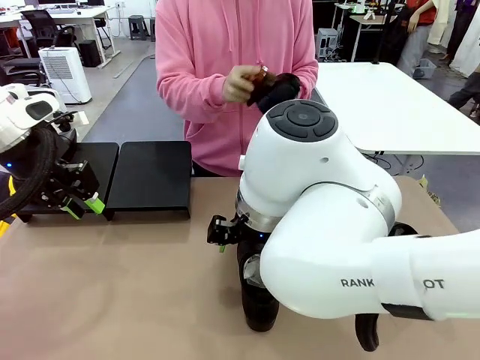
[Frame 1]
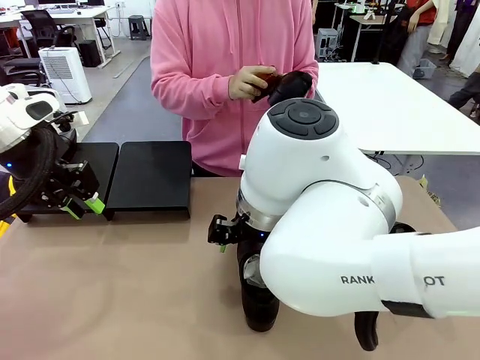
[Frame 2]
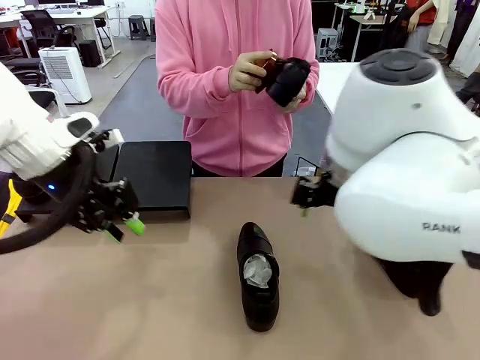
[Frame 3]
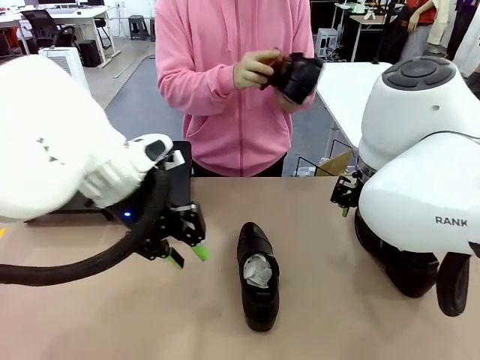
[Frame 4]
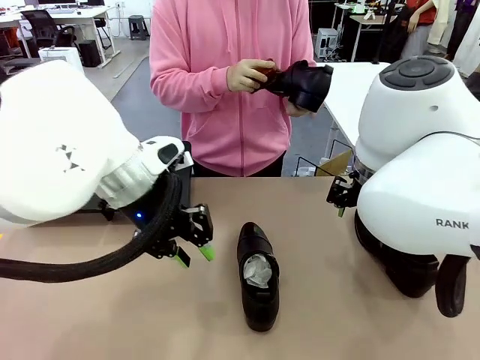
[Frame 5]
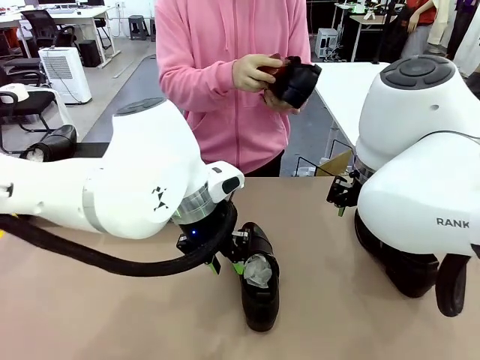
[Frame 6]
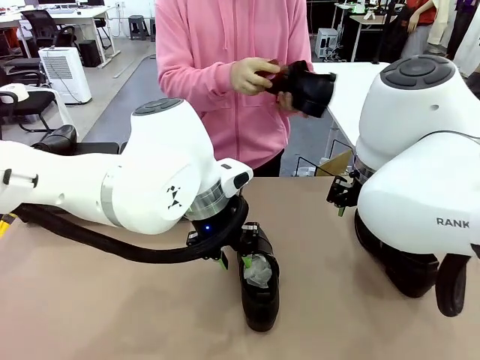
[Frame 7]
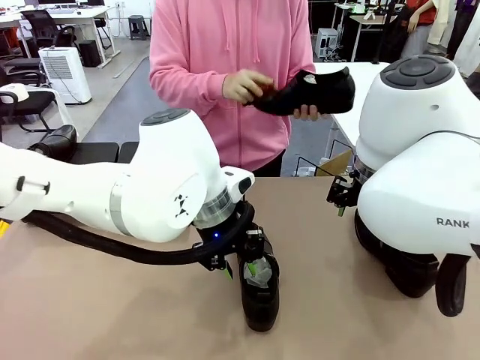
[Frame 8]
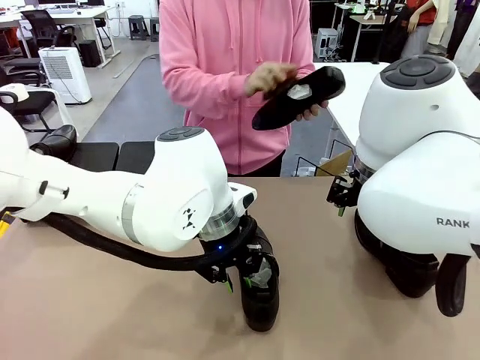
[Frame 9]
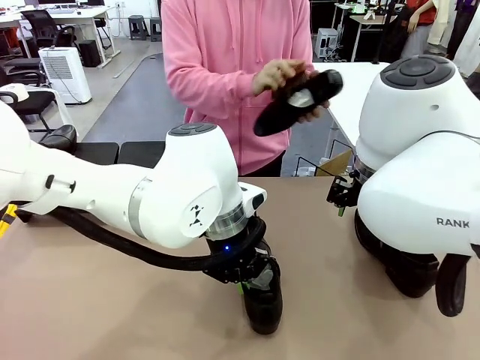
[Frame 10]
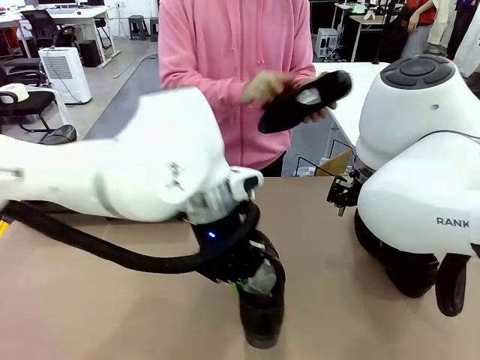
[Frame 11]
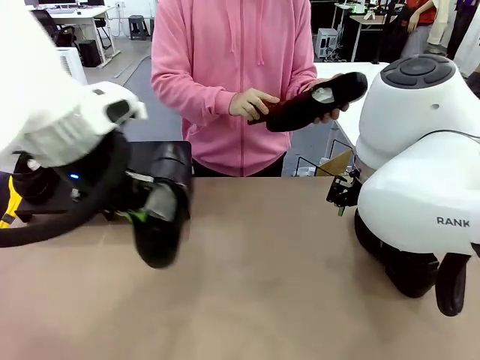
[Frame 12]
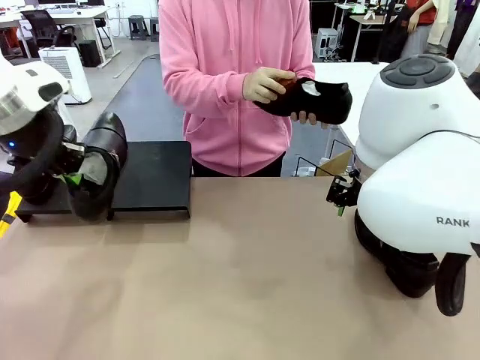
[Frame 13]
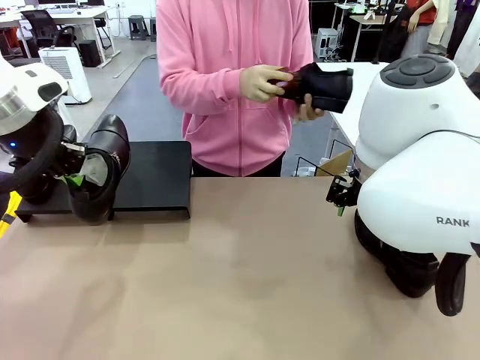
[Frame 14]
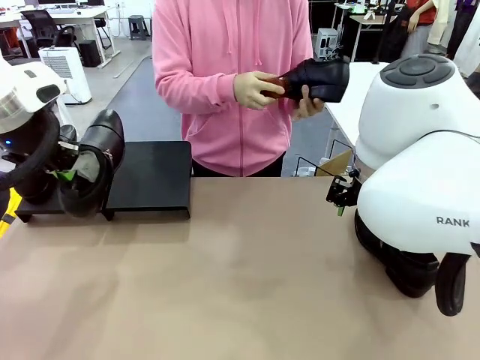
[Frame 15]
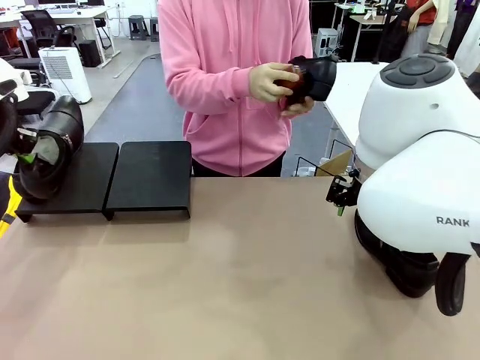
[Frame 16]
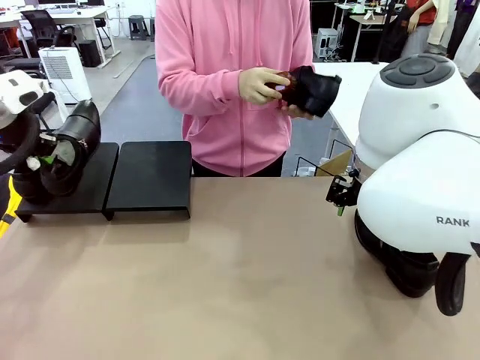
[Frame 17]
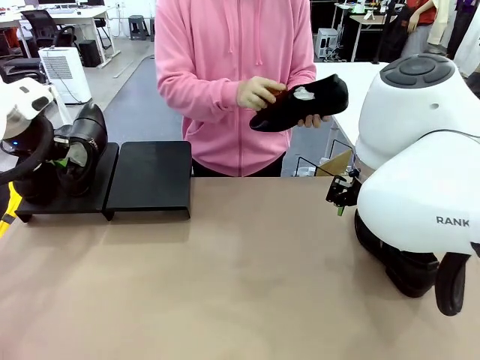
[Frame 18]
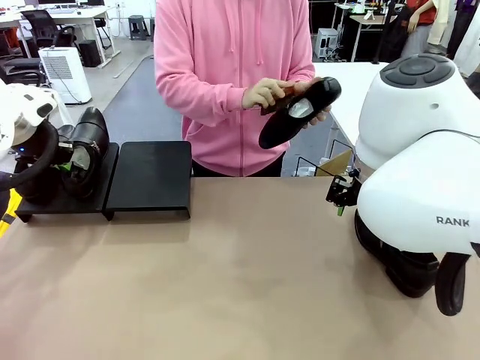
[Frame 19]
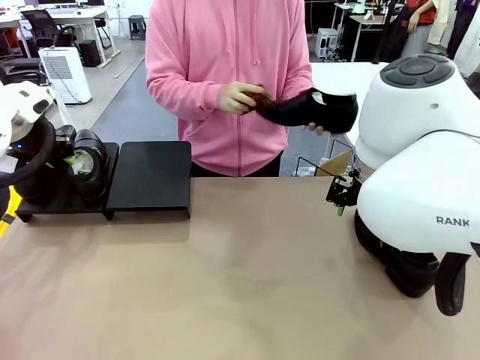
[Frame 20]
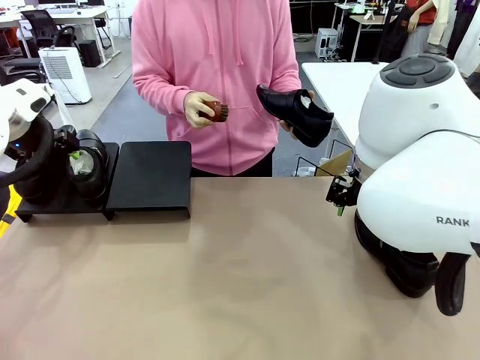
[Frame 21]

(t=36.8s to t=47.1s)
Task: Organize the shoes by placing them on the stand.
Robot: Place the Shoe from the middle of the table onto the Shoes Stand.
Person: Clean the Shoe with the Shoe Brush.

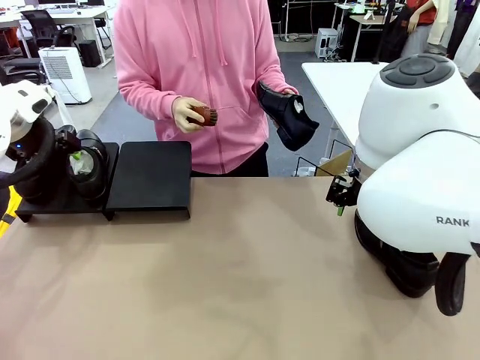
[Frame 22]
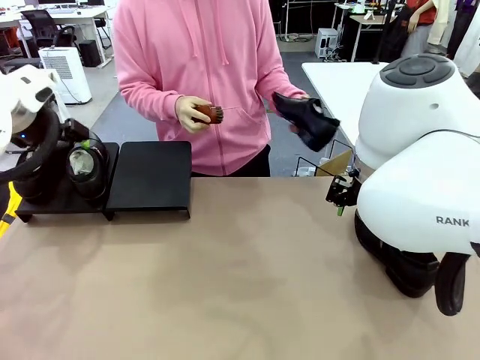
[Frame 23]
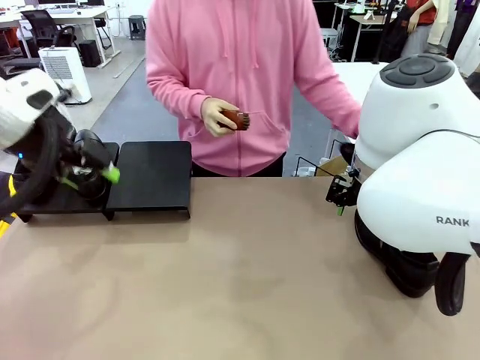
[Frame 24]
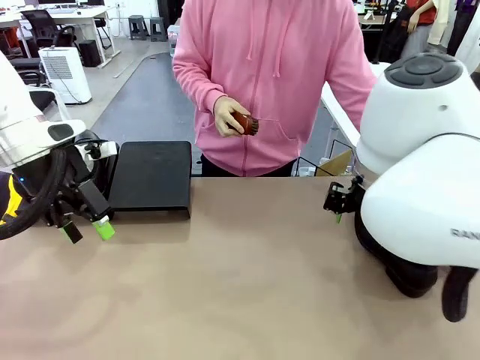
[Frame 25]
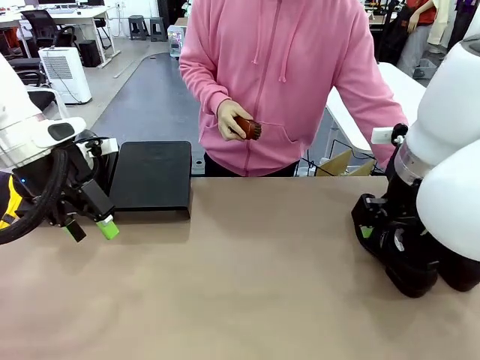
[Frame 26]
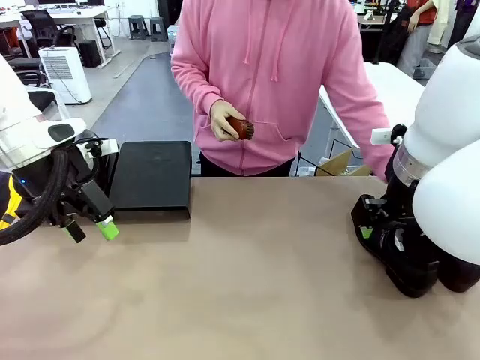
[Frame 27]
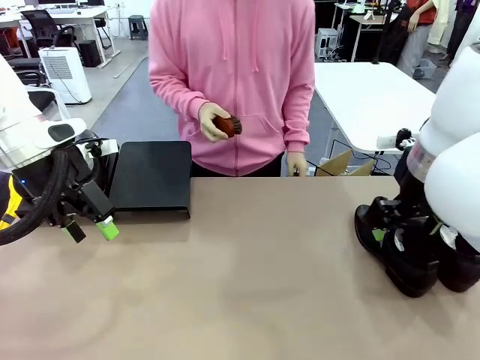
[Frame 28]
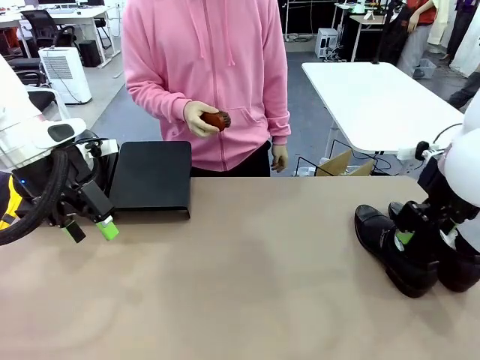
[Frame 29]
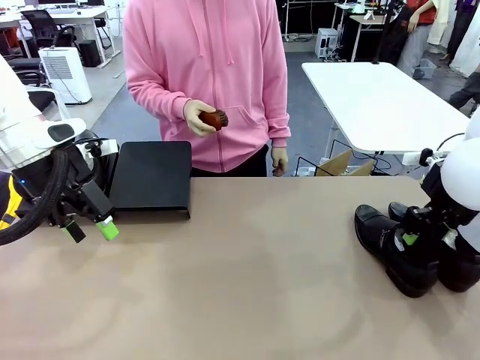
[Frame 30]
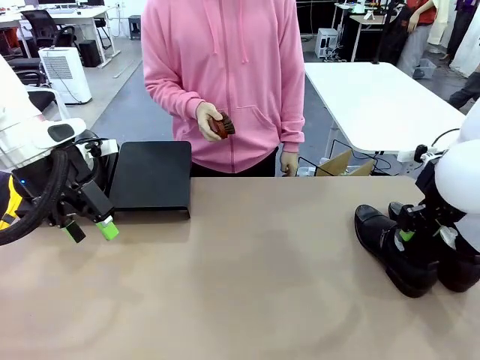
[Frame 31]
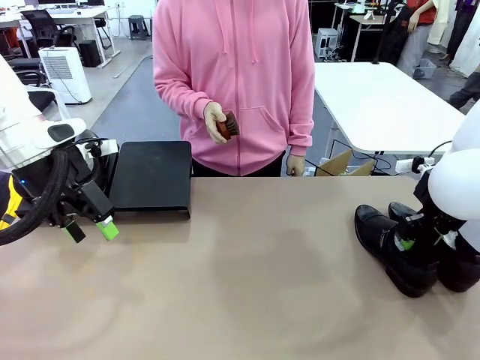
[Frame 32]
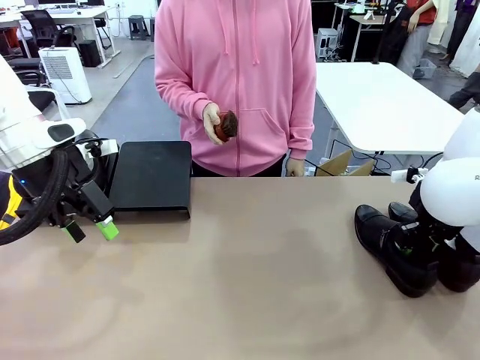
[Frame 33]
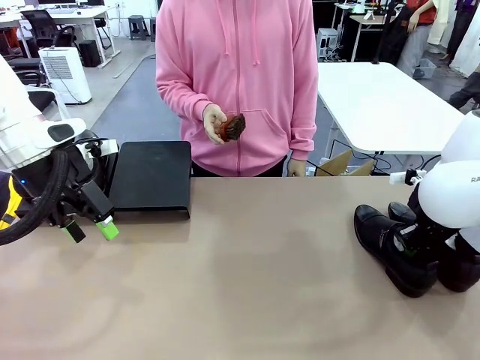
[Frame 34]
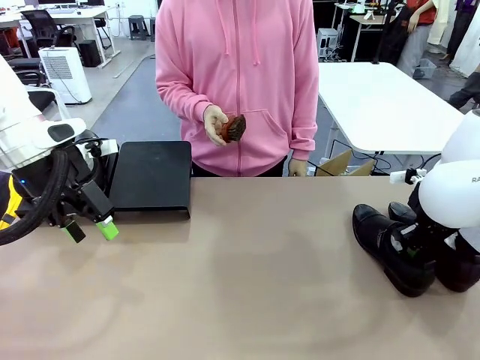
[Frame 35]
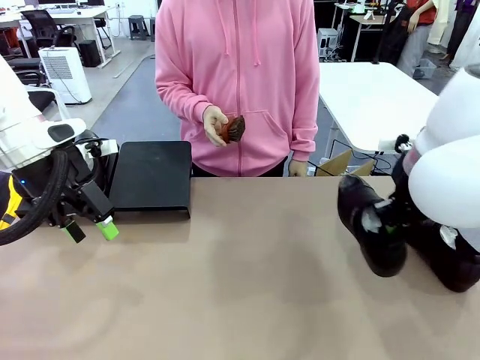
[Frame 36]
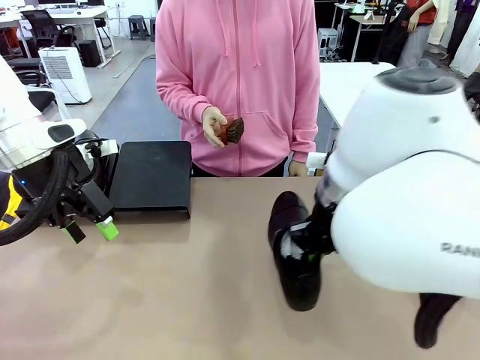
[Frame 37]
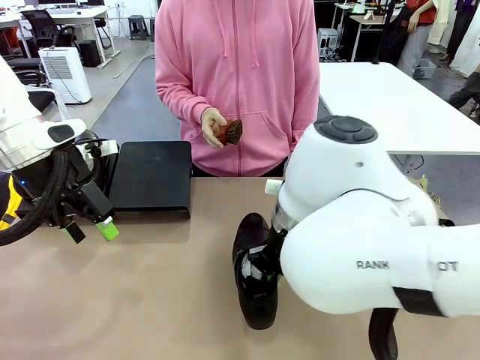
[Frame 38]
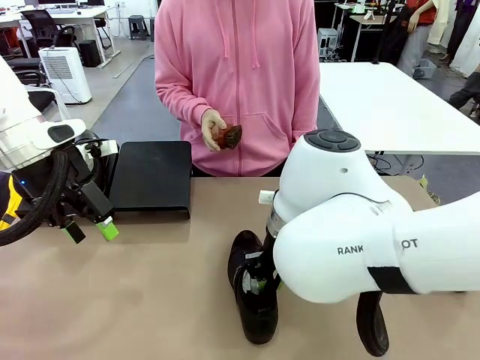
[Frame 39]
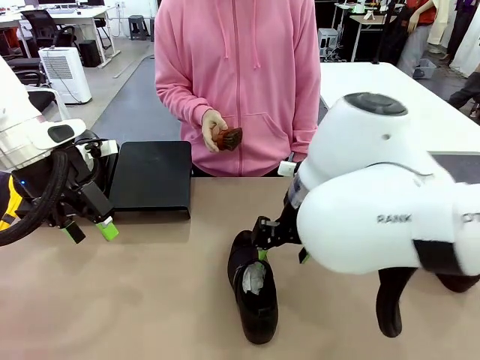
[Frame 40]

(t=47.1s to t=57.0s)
Robot: Pick up one Shoe and place it in the middle of the table.

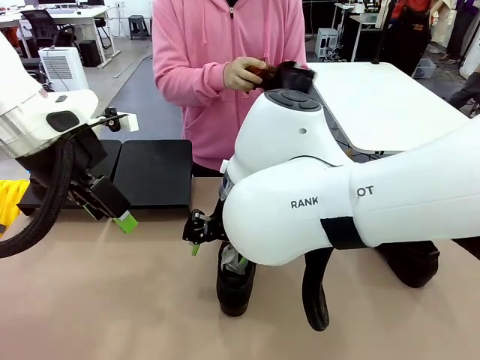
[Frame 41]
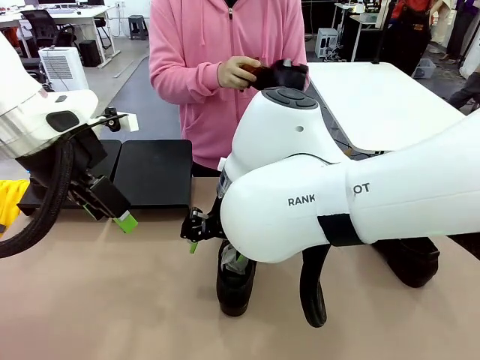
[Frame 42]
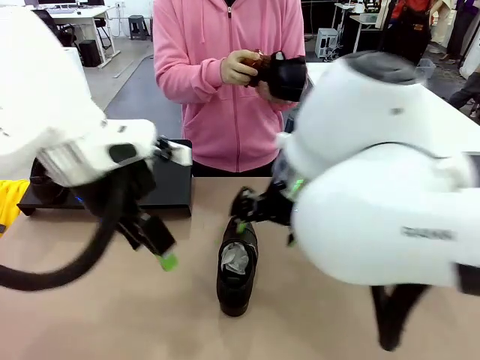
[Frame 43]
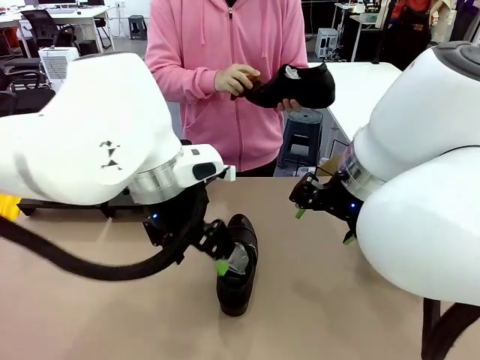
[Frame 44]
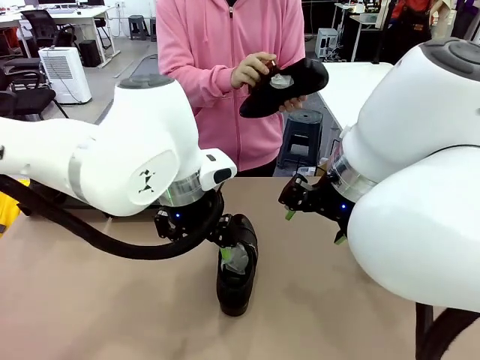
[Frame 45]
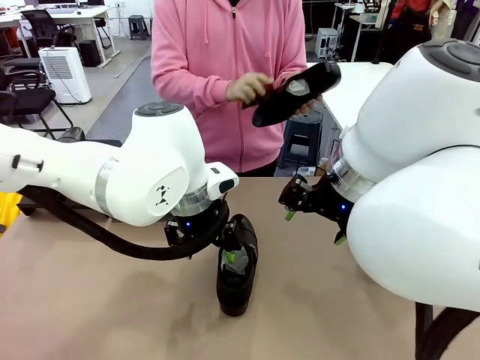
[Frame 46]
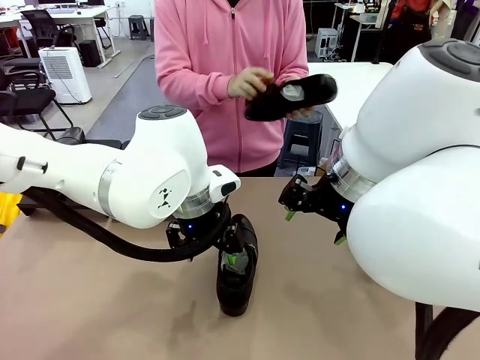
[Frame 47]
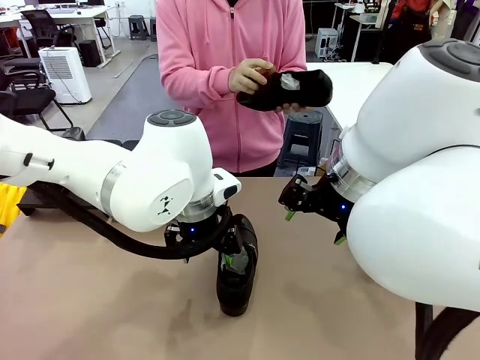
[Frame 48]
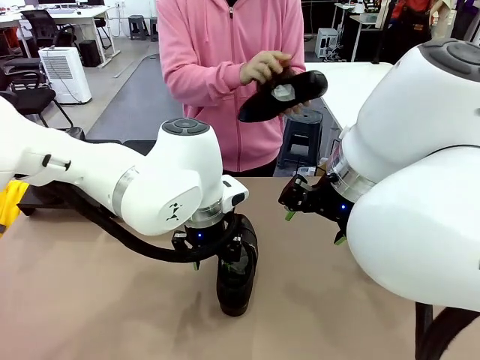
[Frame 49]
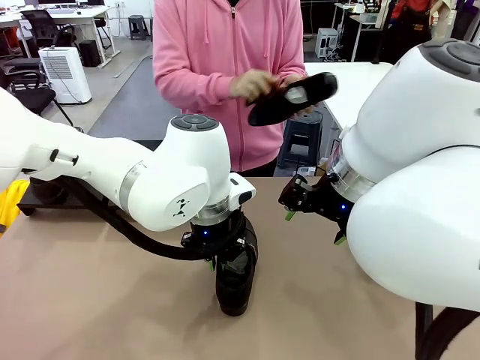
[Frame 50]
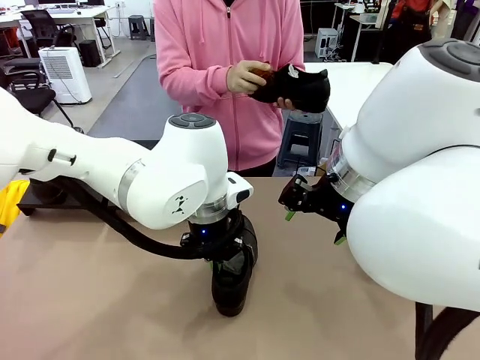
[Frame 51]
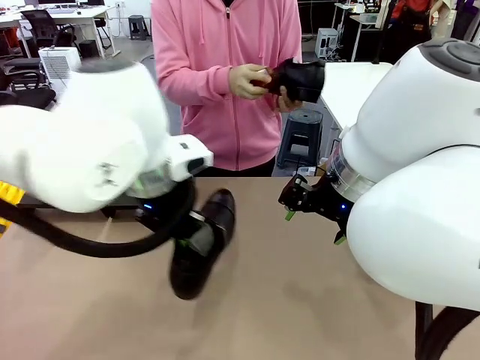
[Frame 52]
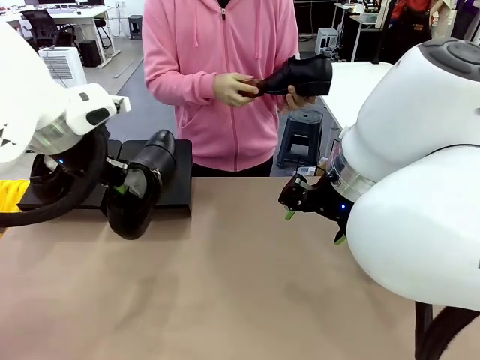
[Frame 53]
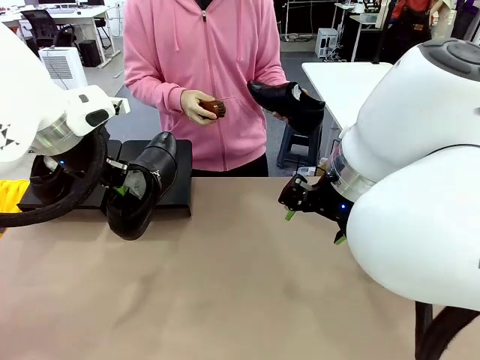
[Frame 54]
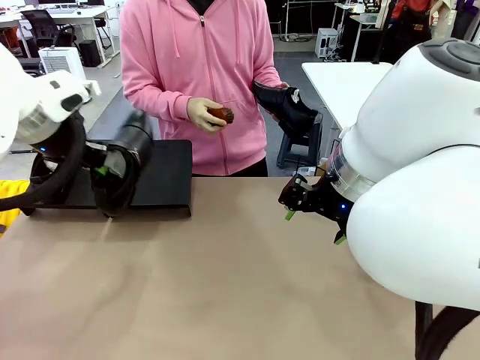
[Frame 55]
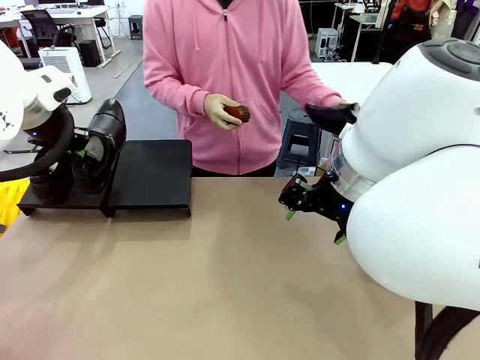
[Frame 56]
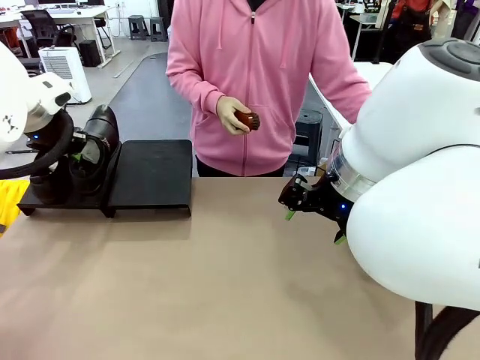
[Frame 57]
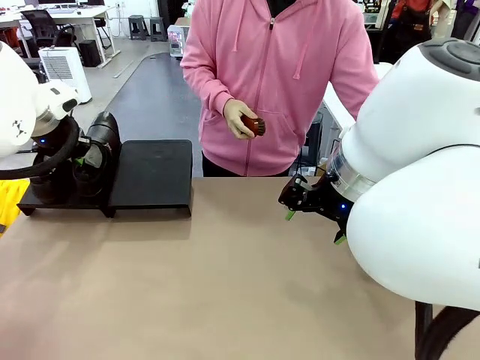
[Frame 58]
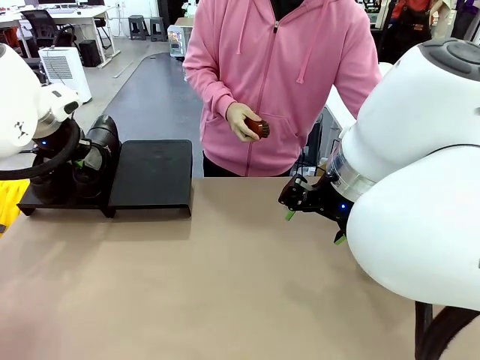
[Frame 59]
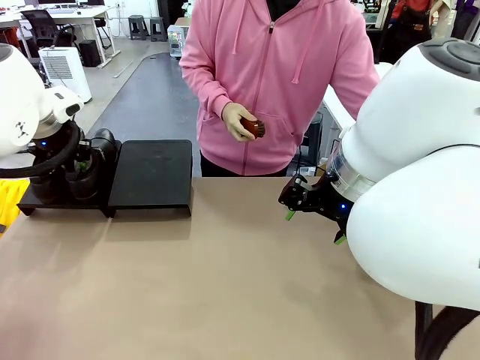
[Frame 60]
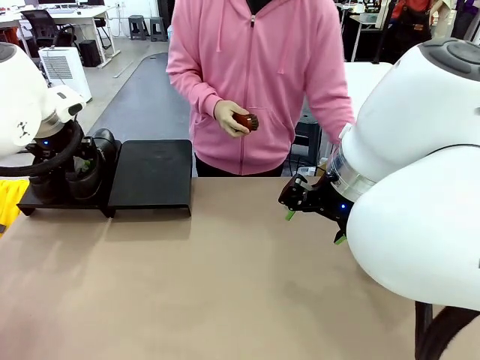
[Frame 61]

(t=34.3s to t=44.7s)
Task: Organize the shoes by placing them on the stand.
Robot: Place the Shoe from the middle of the table onto the Shoes Stand.
